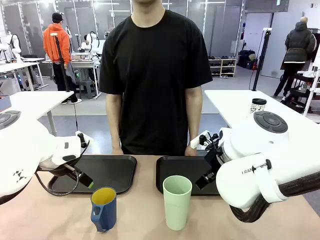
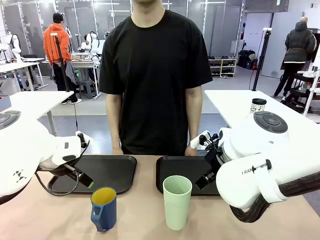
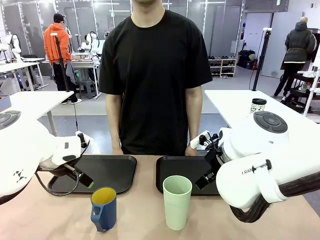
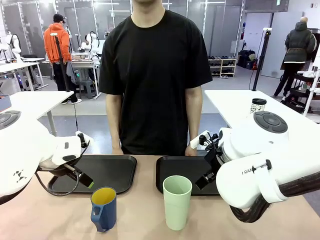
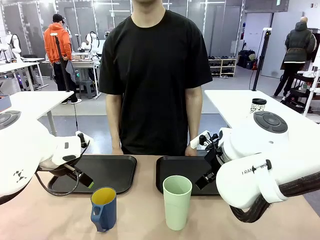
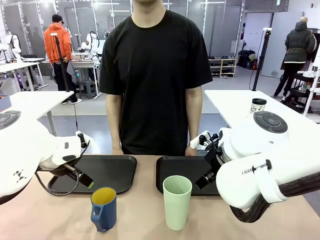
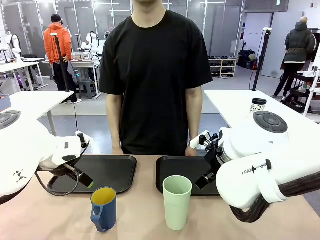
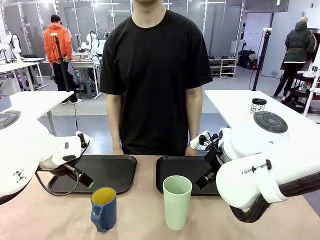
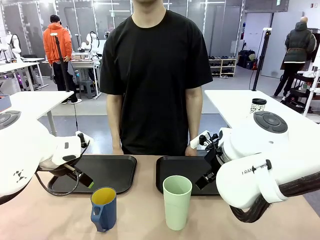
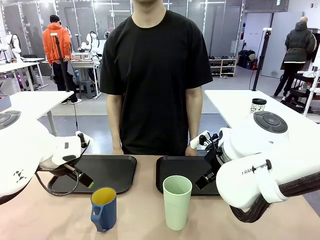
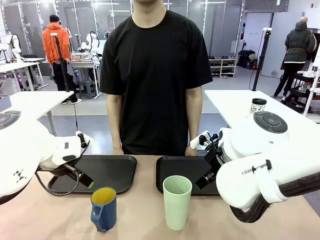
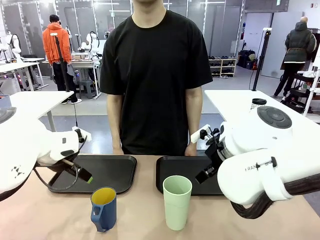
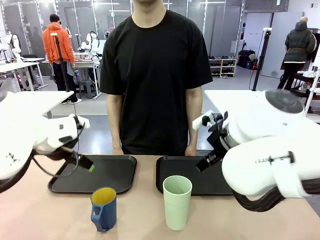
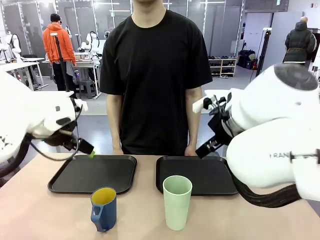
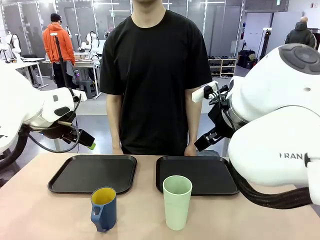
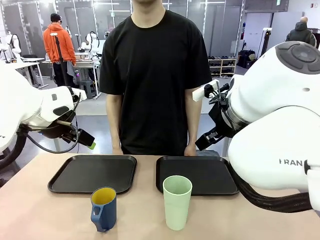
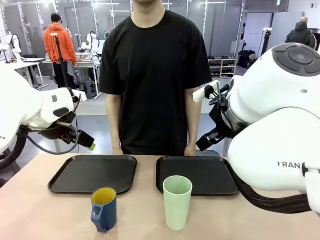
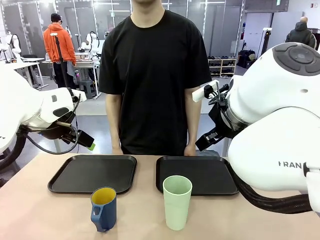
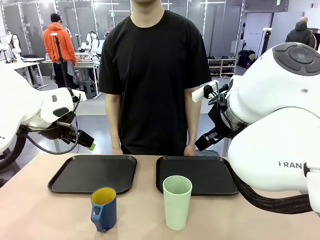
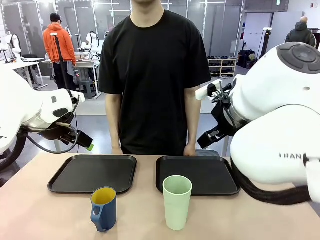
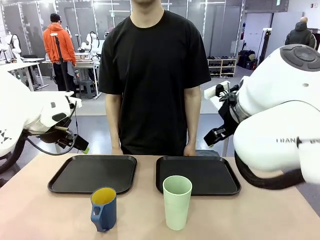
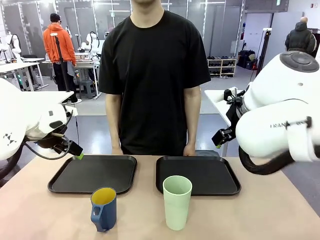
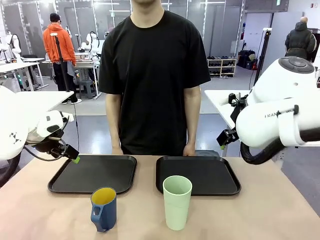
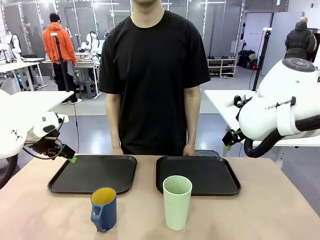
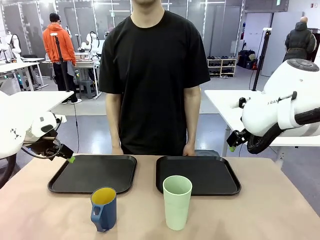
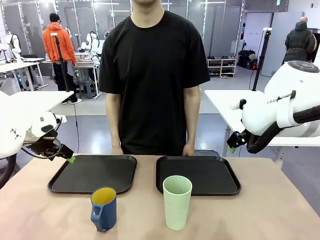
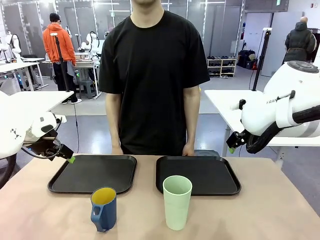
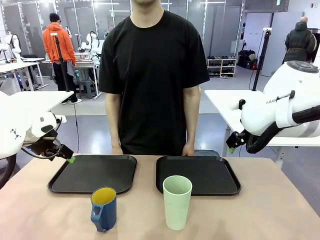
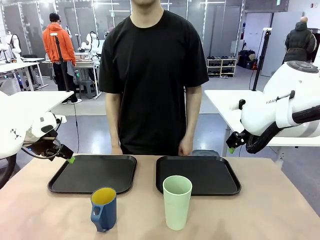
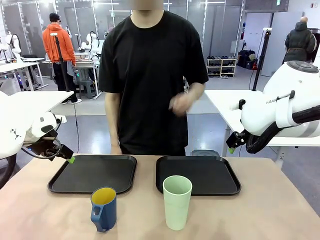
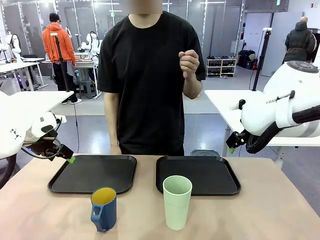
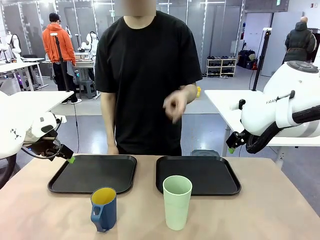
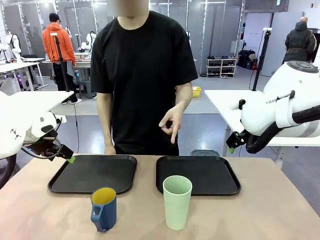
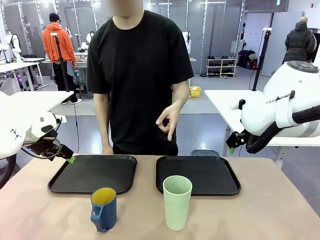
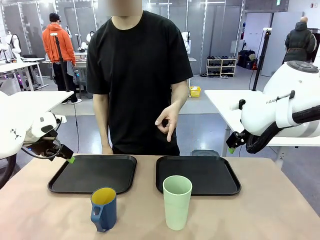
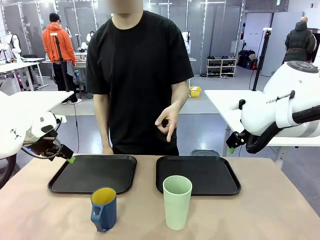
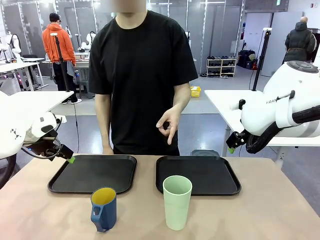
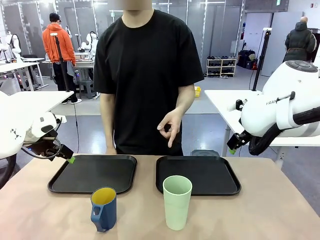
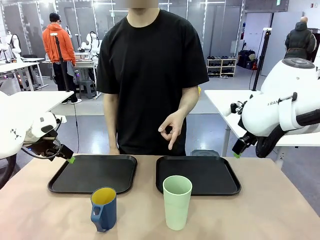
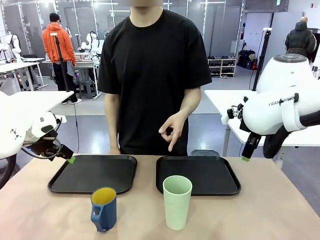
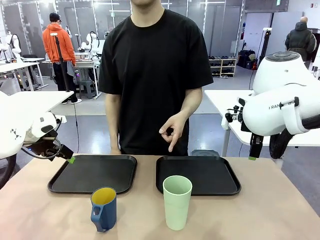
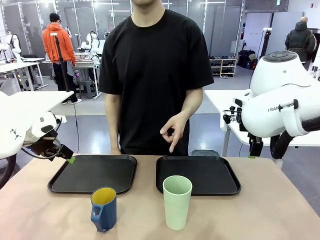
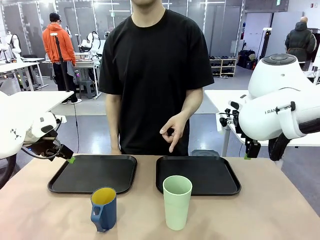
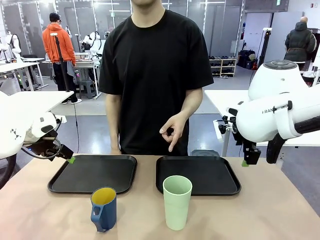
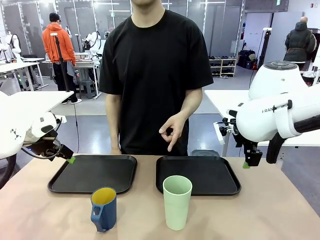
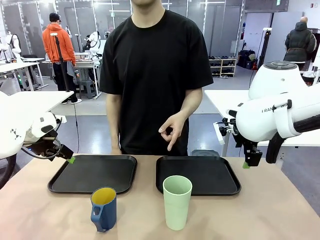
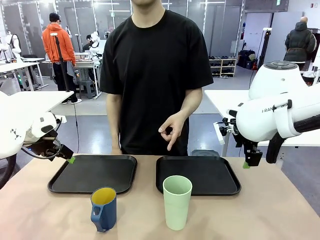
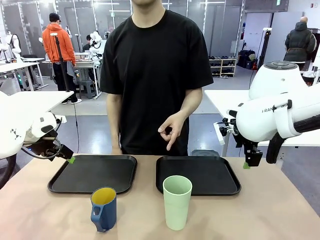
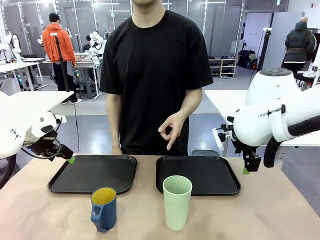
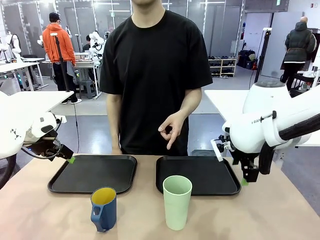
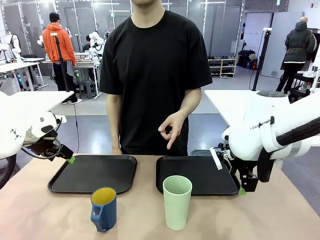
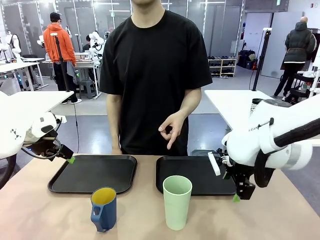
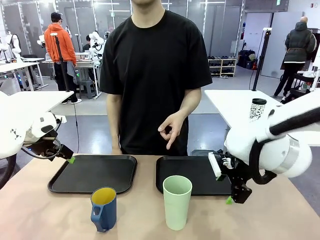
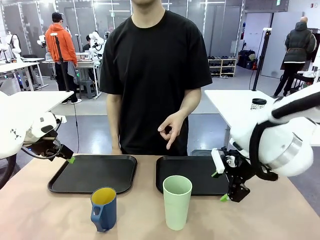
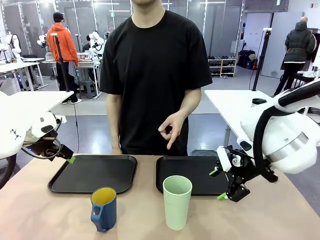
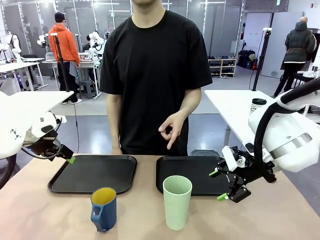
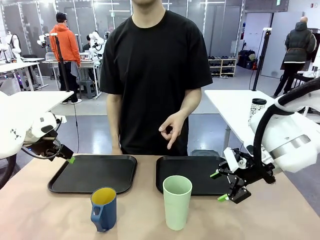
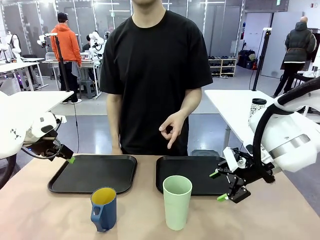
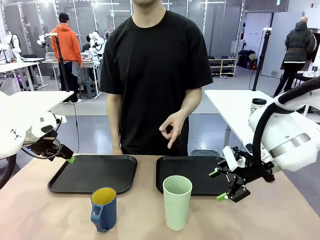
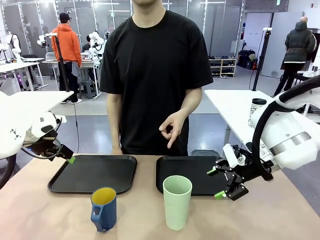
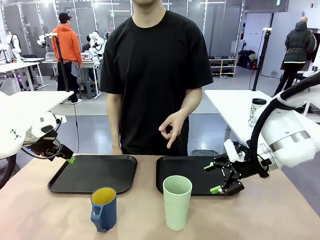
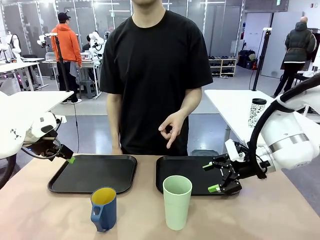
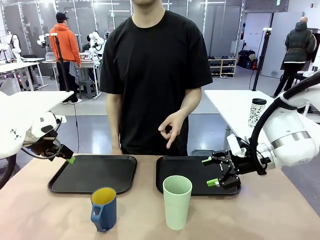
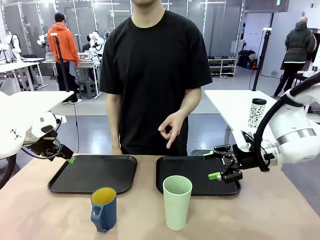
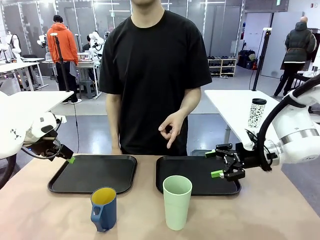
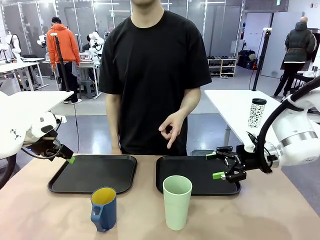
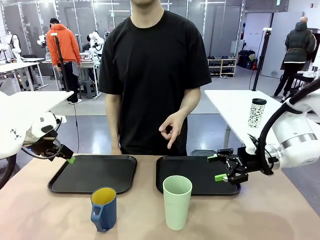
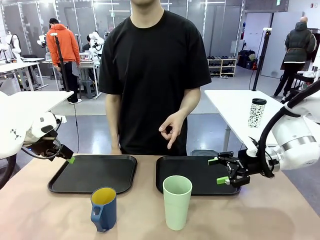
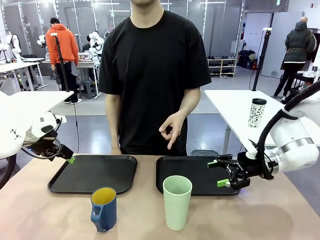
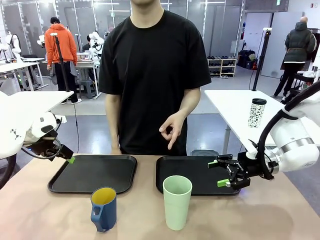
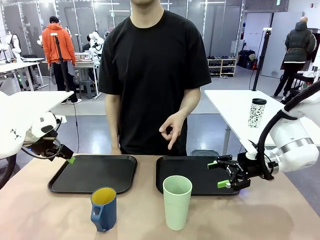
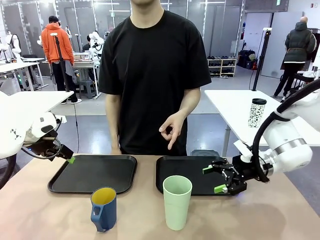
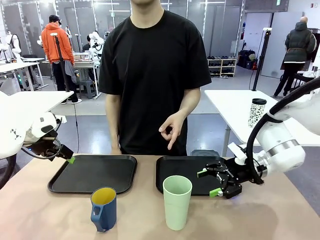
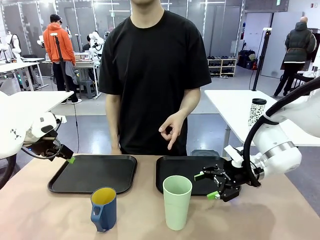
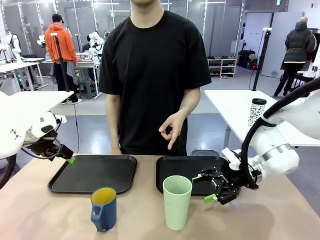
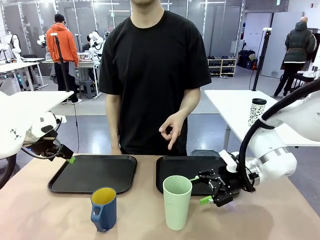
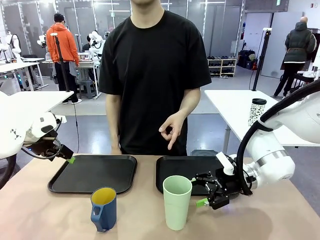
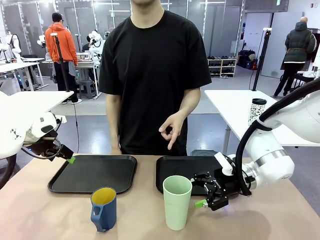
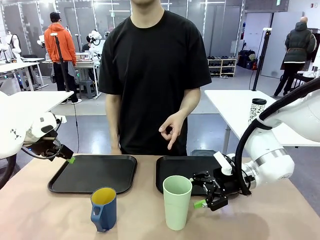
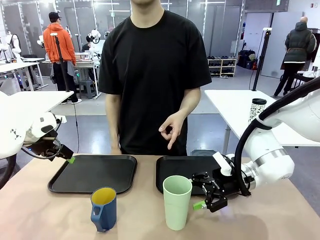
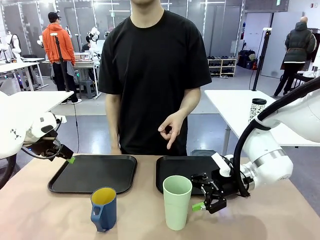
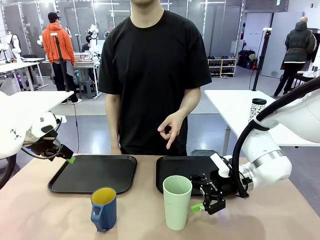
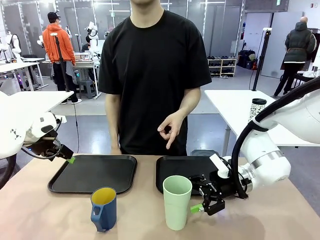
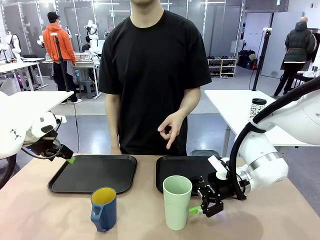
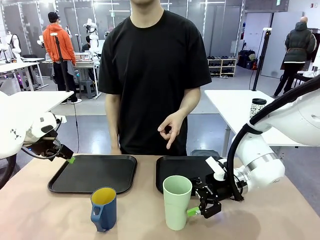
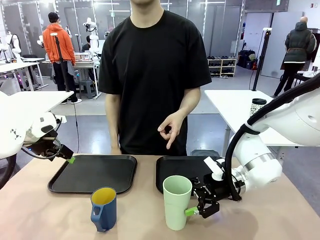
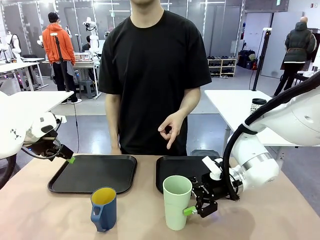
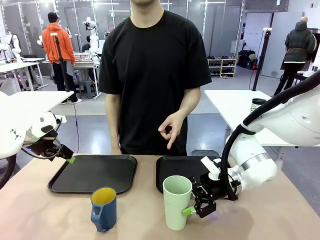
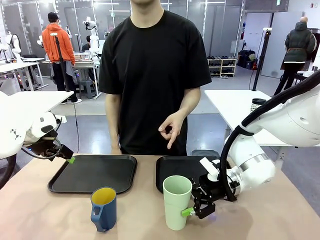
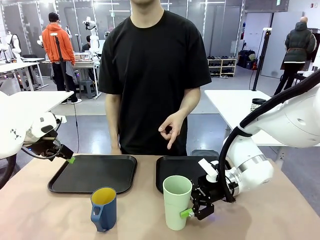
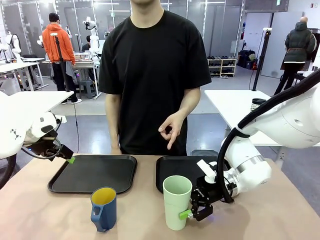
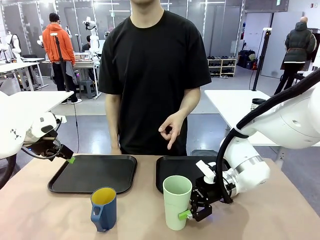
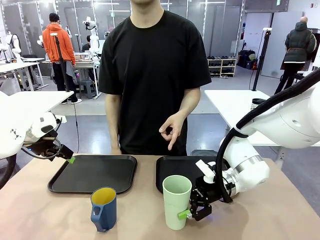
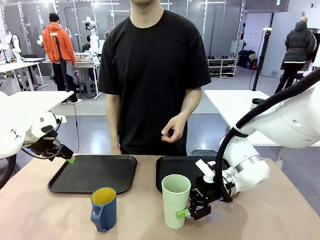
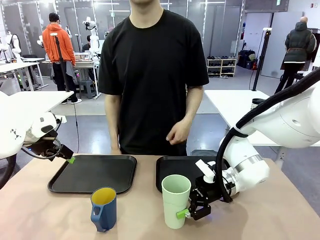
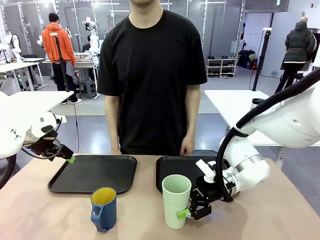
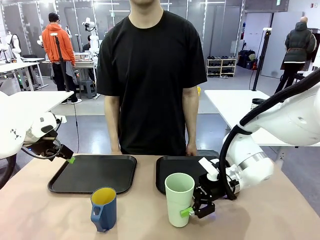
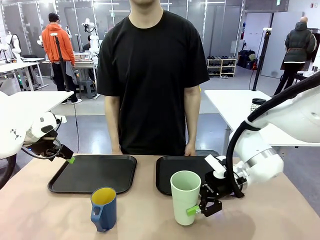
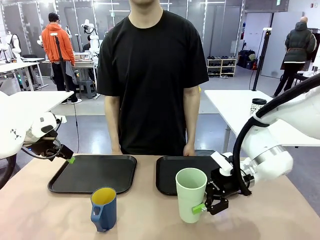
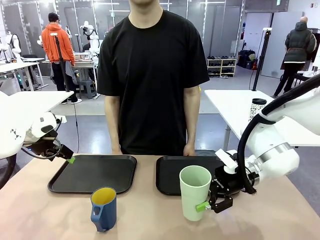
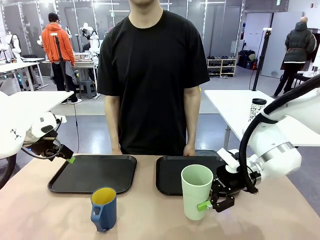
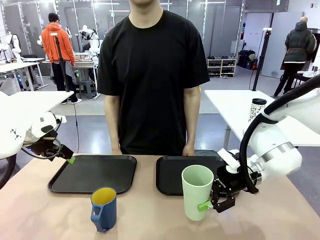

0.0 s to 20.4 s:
Task: Sort and store the cups by type.
Robot: Pick up the Reusable plastic cup.
Person: Points to the reusable cup. Point to one of the two trays.
